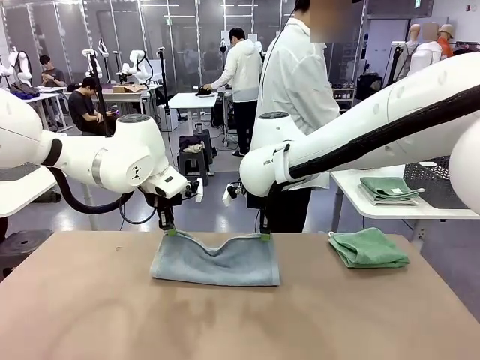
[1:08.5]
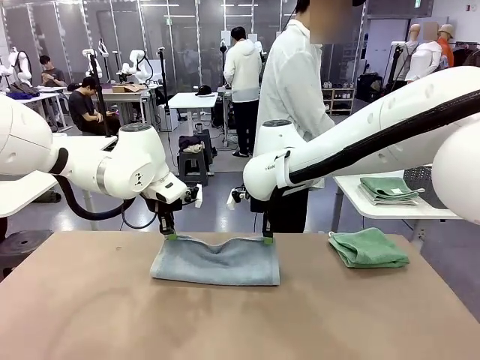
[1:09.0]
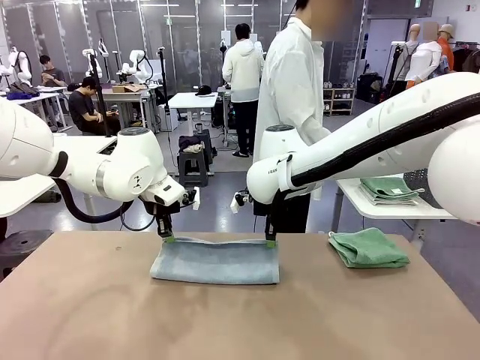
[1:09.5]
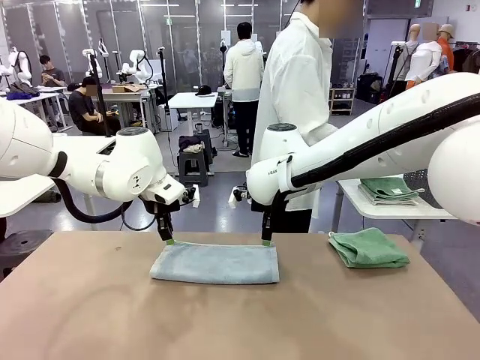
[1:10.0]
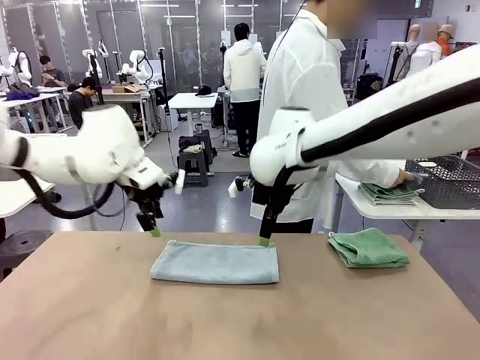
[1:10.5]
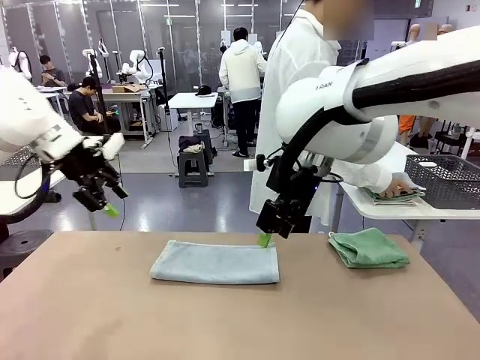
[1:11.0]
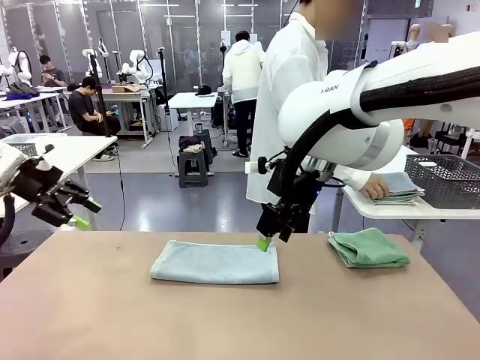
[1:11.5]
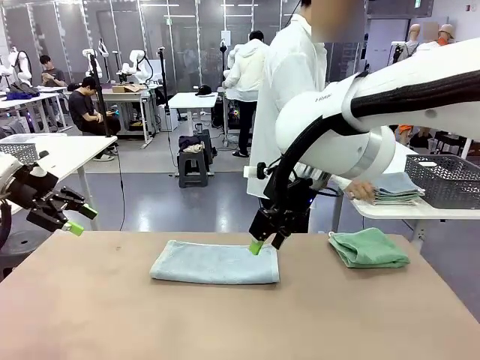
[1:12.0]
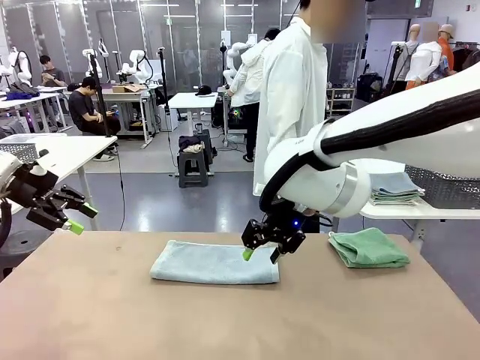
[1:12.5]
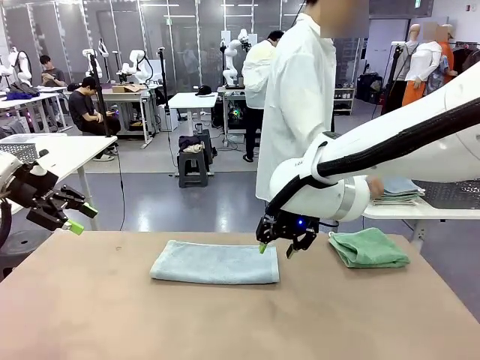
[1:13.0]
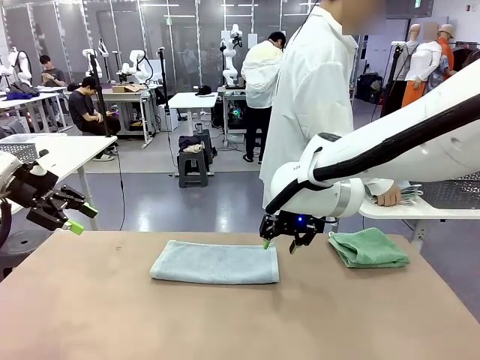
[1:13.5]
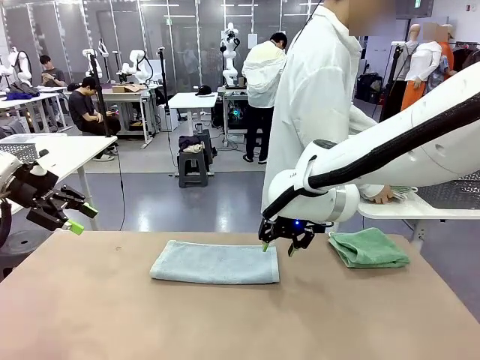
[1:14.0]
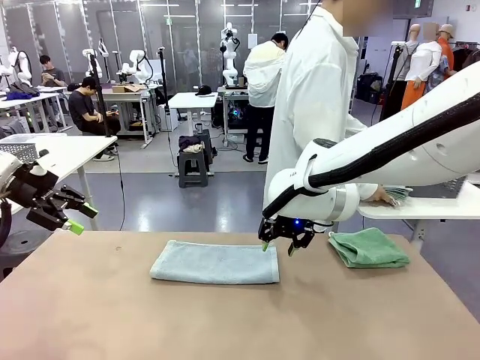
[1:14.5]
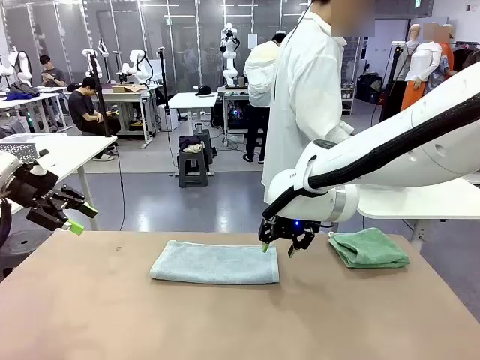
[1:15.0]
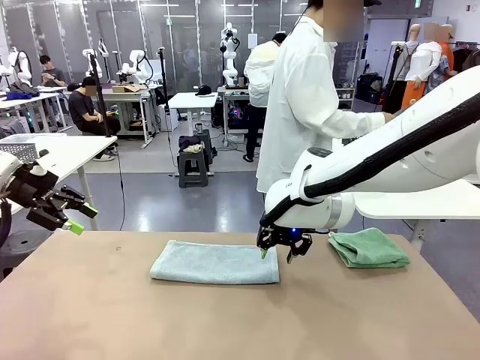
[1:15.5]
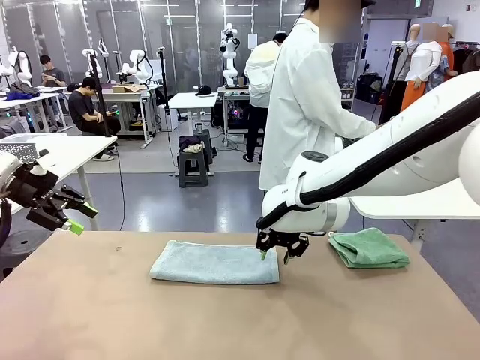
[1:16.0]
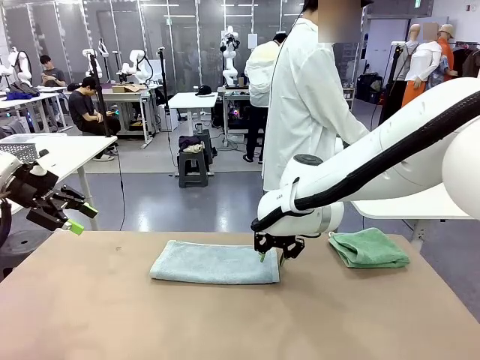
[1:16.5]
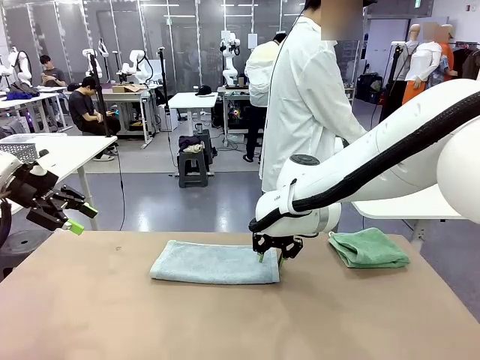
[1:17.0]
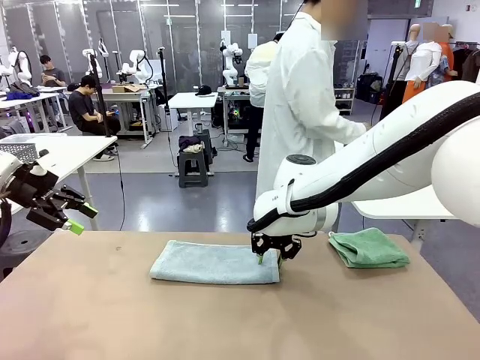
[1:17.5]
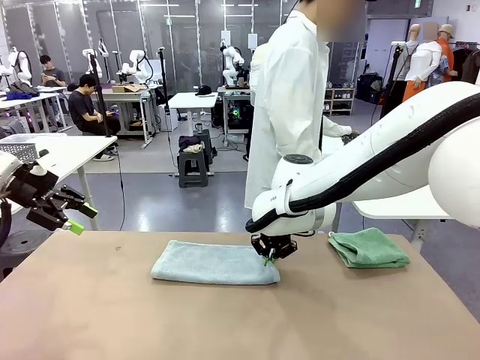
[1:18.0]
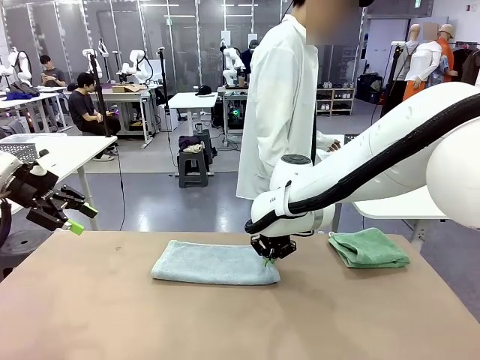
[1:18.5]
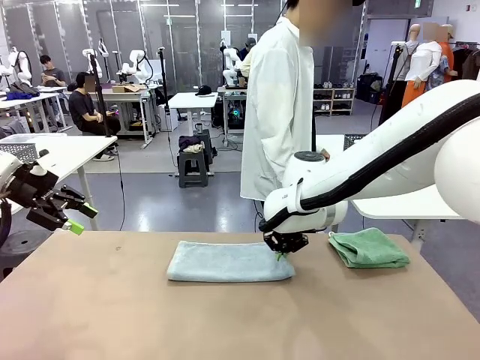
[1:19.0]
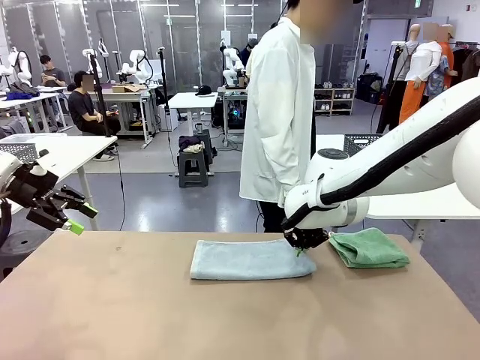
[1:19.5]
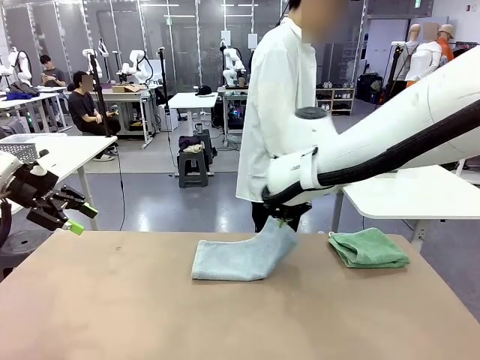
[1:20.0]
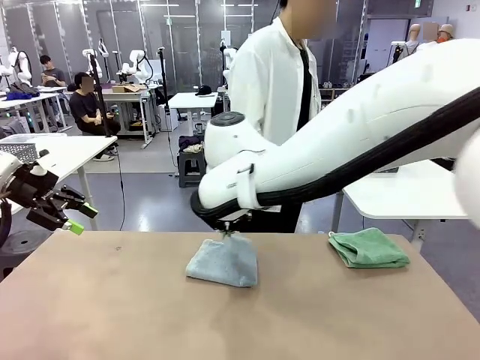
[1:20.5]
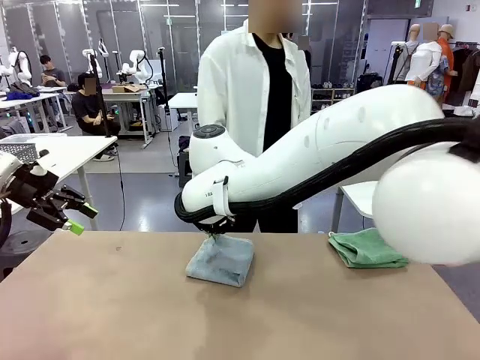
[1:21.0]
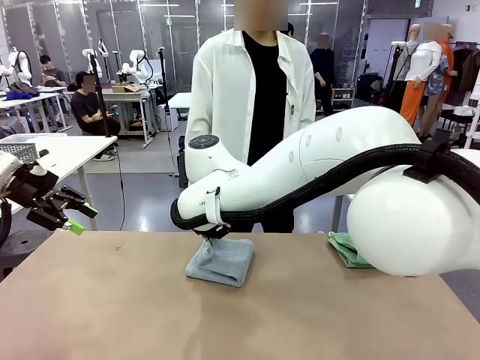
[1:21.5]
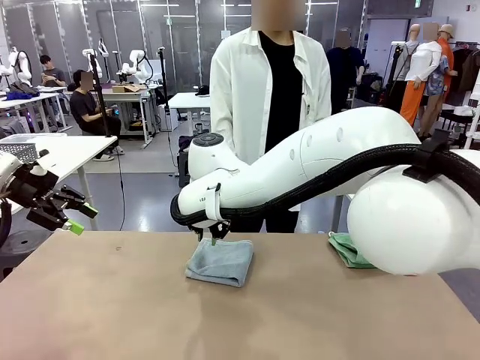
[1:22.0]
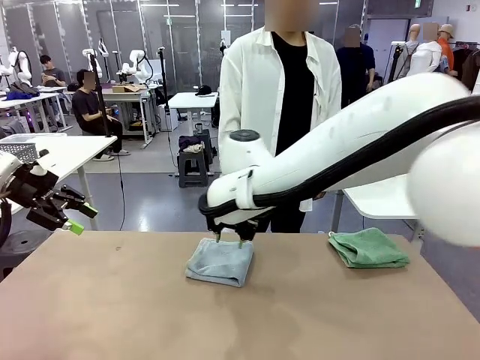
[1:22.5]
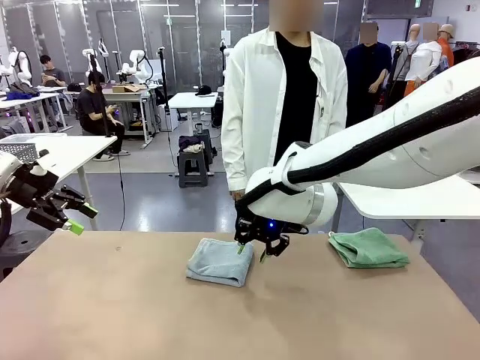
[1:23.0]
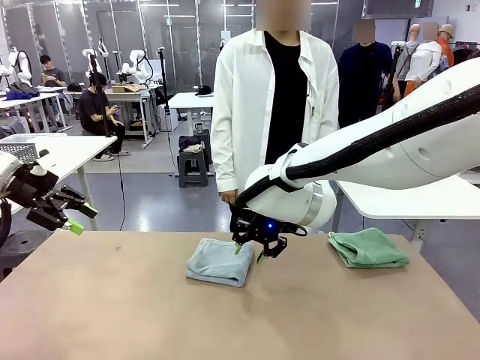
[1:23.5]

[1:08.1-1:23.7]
Task: Fold the towels and place them in the basket.
Robot: When a person lays out a Towel with hook on the table, fold it in half twice.
Person: Pick up the stack of towels from the right side of the human table, place it into the basket, and put the basket at the center of the table.

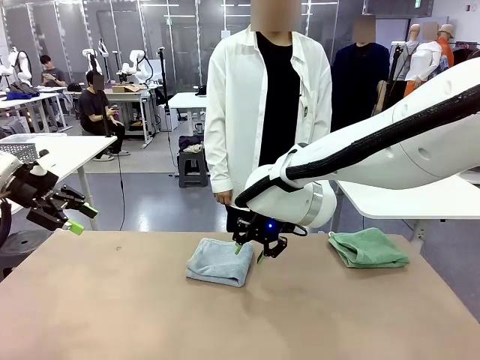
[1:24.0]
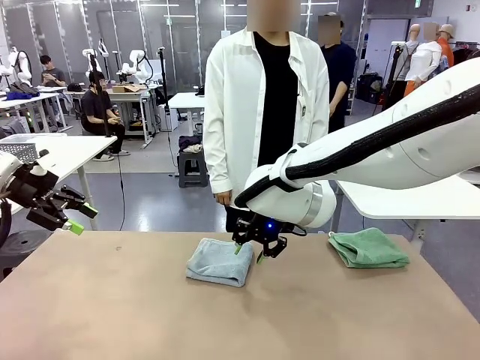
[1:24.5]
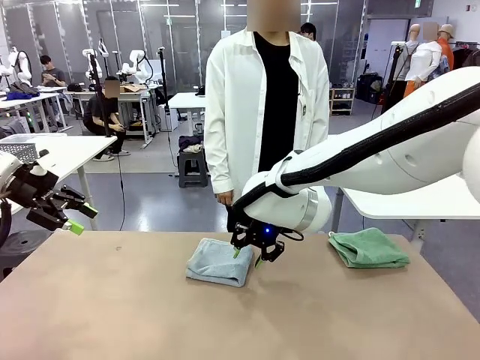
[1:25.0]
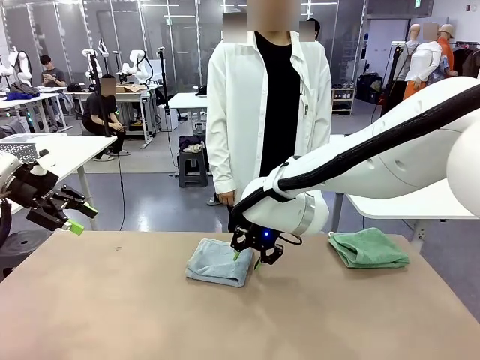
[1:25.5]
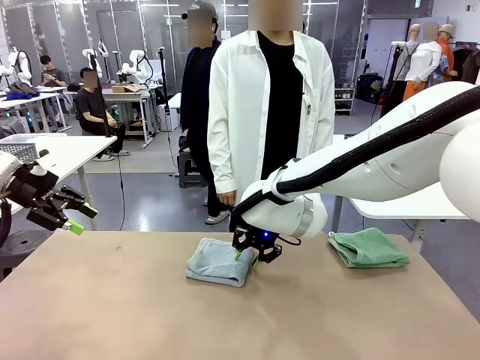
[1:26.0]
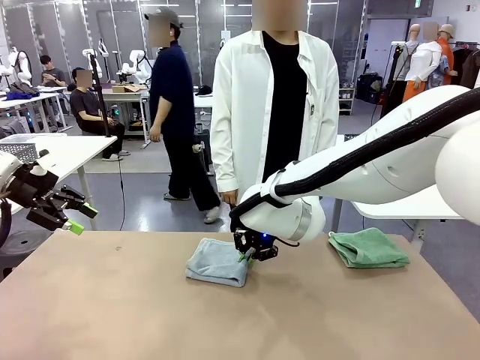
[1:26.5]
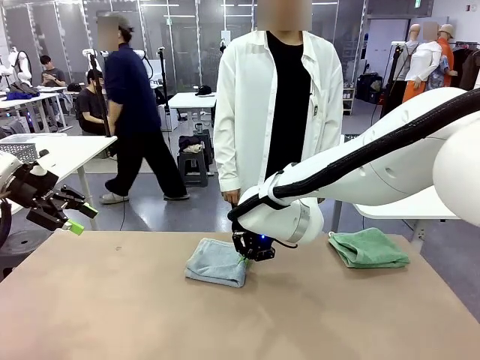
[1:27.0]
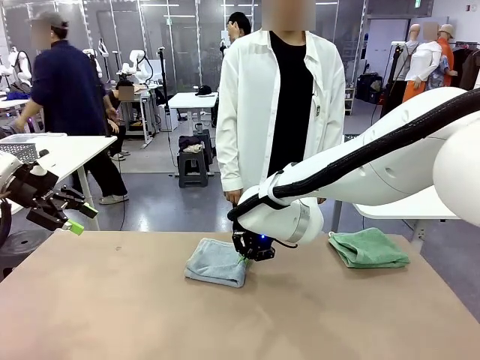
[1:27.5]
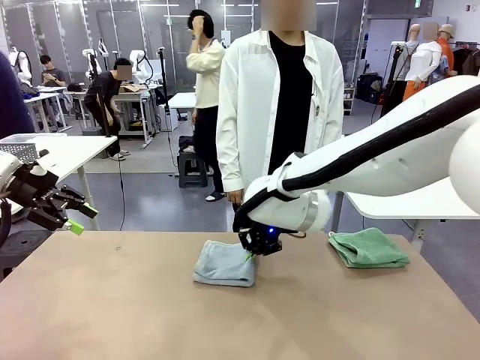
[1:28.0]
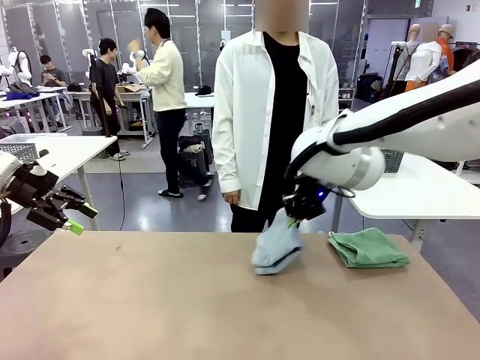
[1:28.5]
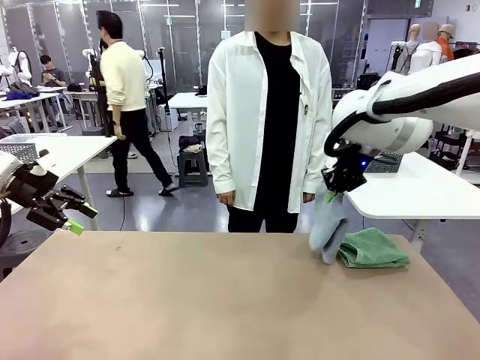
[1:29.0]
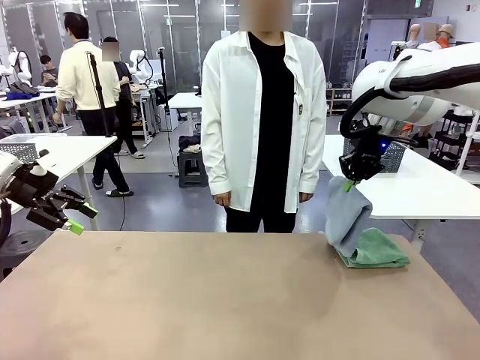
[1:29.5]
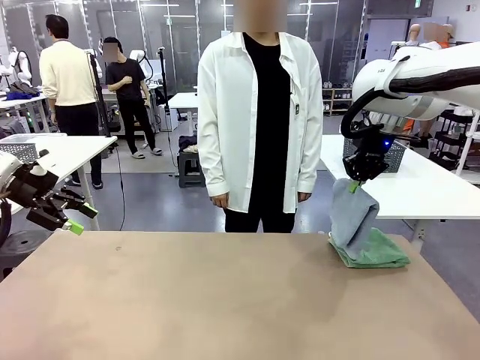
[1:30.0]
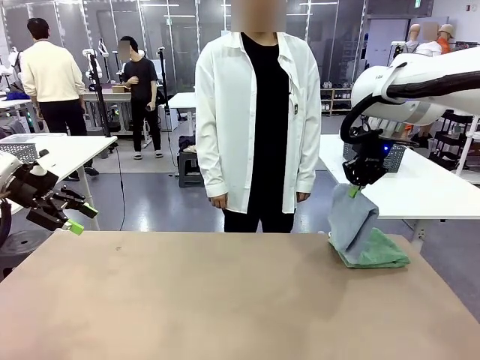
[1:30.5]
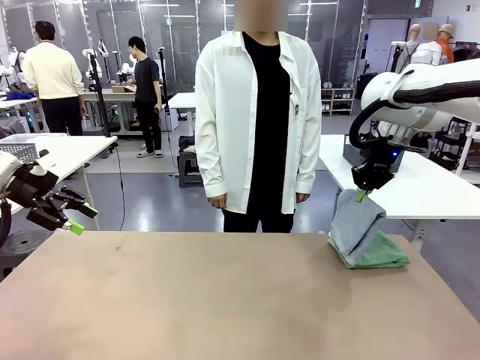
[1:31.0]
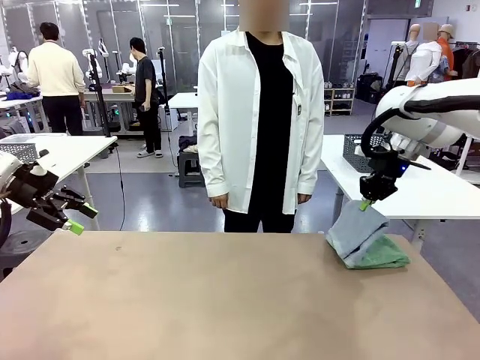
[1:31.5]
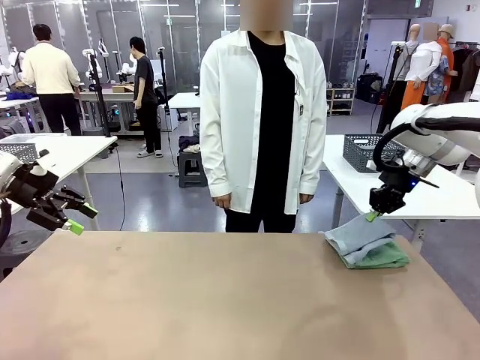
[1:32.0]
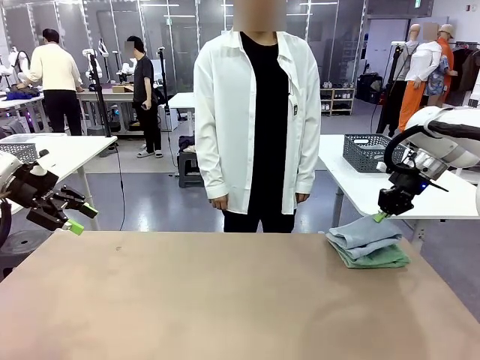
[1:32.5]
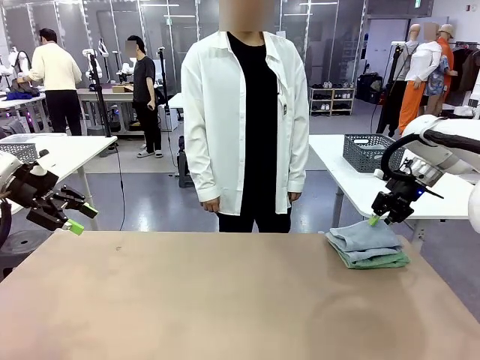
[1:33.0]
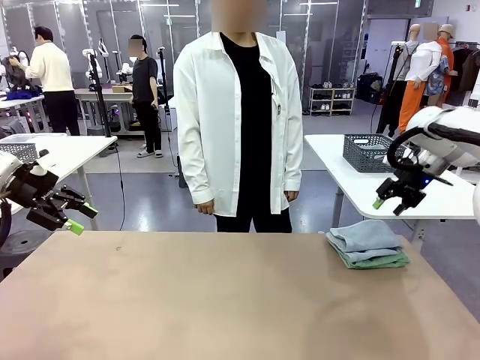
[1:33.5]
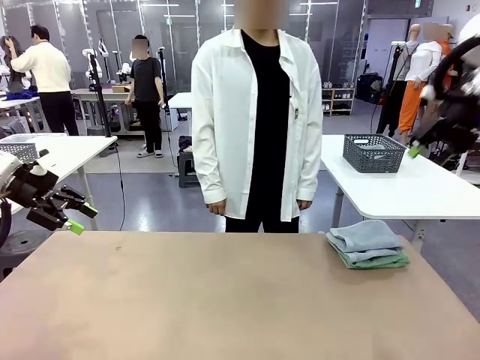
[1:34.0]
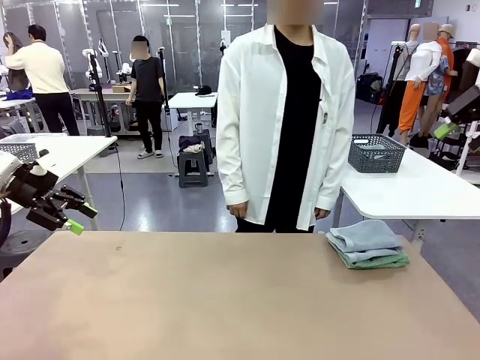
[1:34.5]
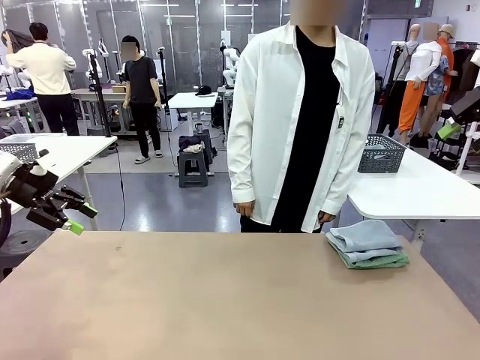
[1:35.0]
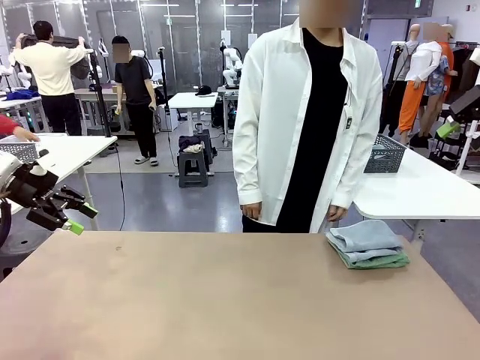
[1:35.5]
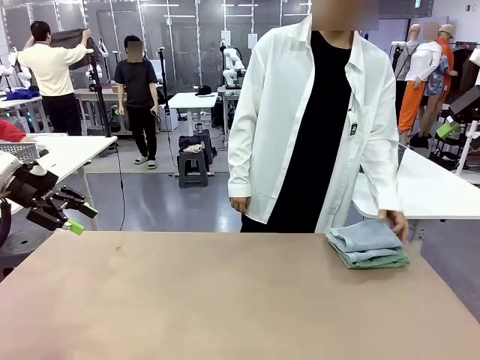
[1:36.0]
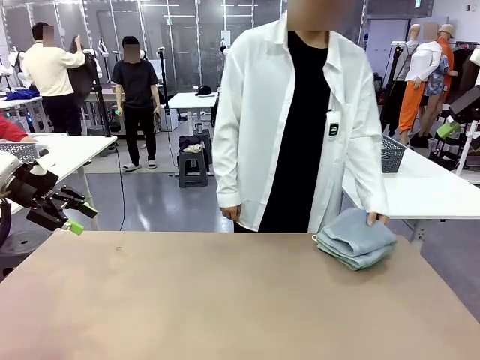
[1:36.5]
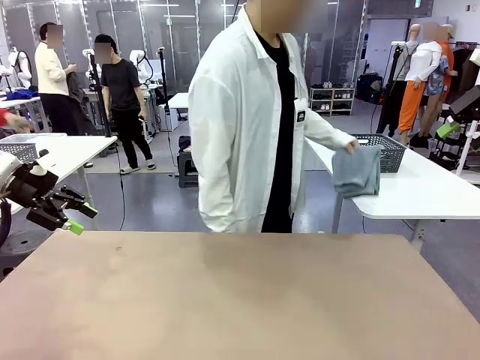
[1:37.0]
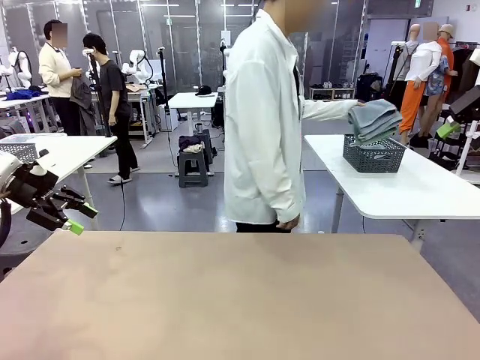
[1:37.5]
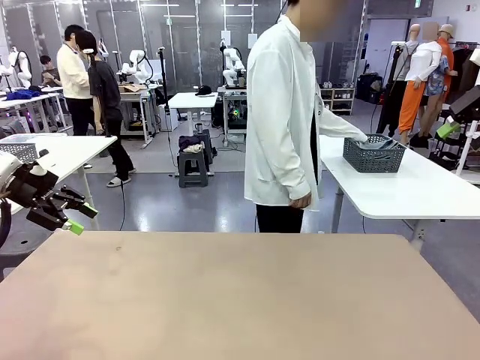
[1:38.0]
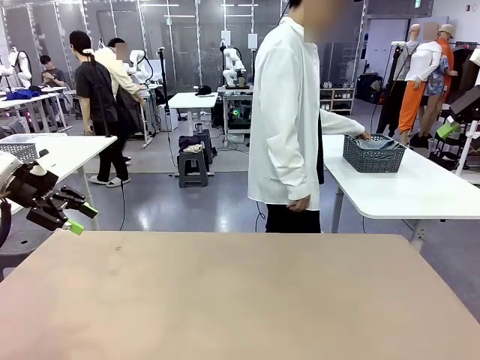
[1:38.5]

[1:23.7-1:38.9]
Robot: Stack the folded Towel with hook on the right side of the table.
Person: Pick up the stack of towels from the robot table and place it into the basket.
